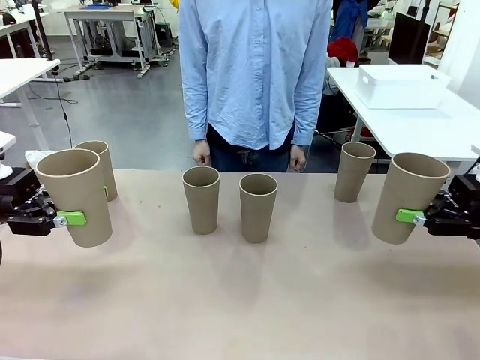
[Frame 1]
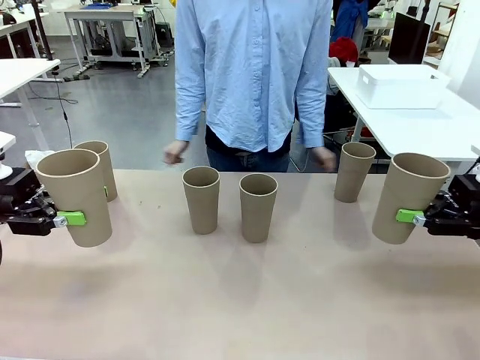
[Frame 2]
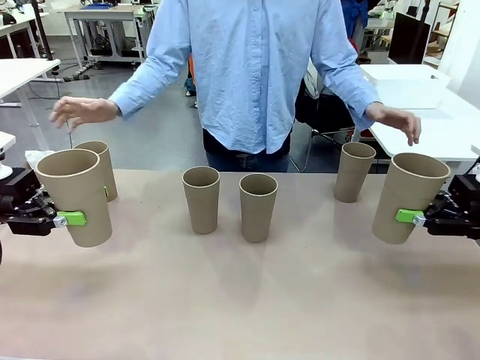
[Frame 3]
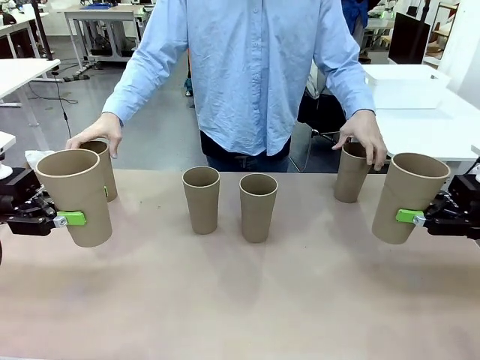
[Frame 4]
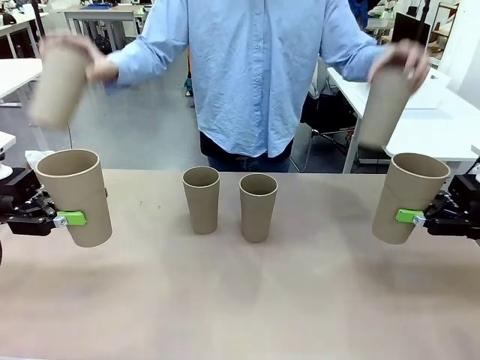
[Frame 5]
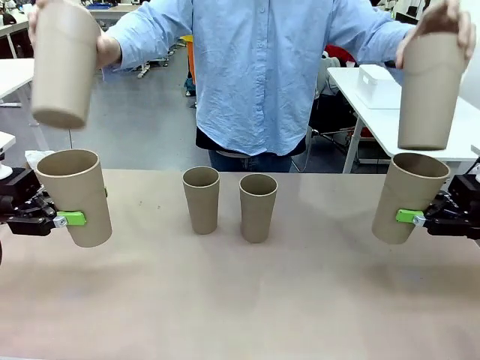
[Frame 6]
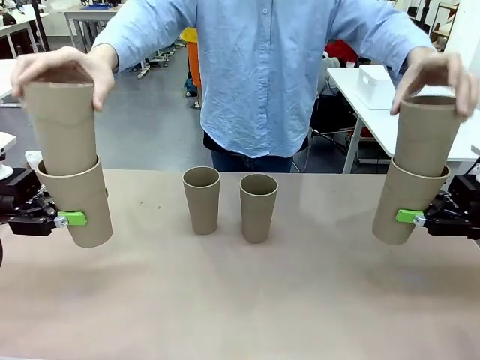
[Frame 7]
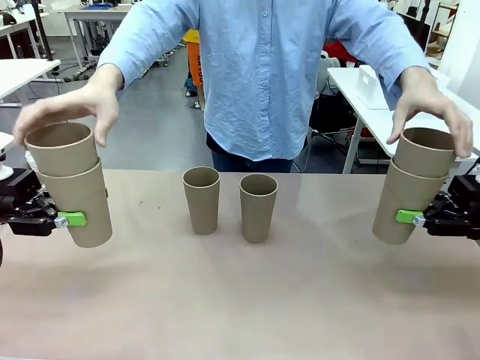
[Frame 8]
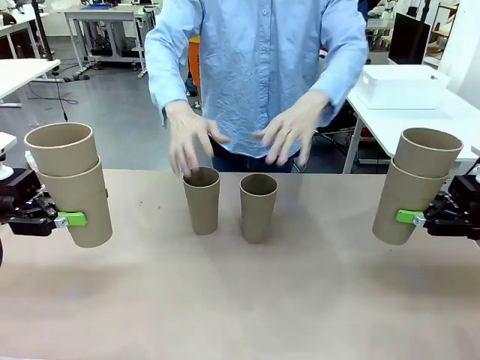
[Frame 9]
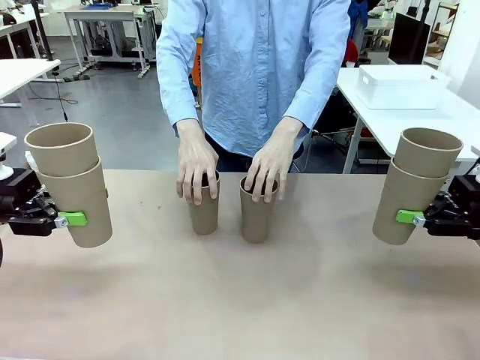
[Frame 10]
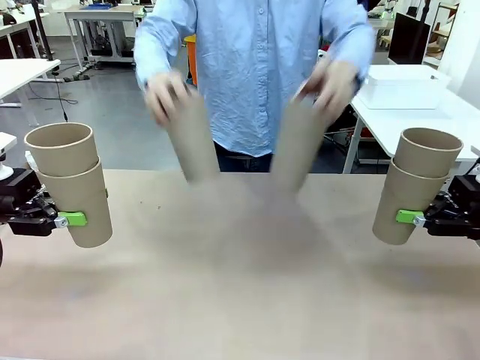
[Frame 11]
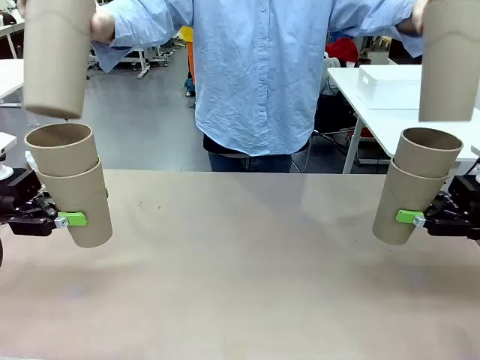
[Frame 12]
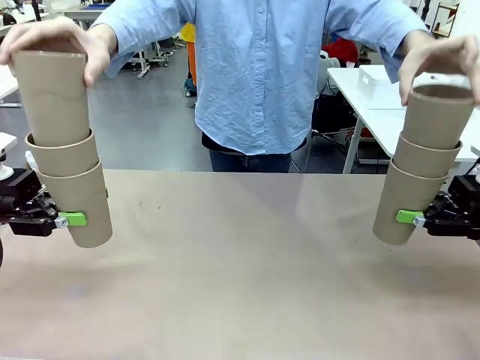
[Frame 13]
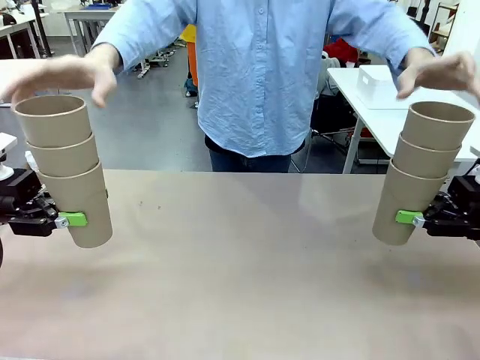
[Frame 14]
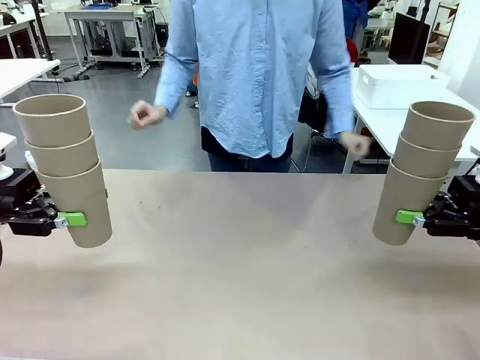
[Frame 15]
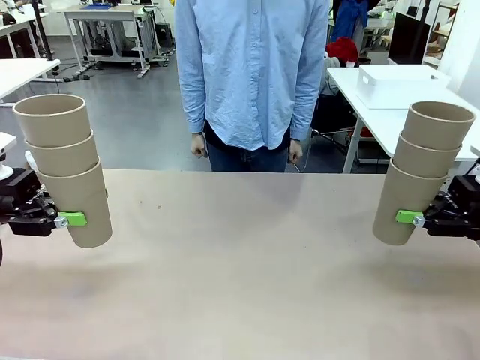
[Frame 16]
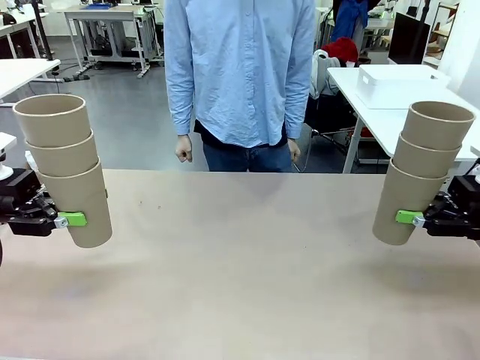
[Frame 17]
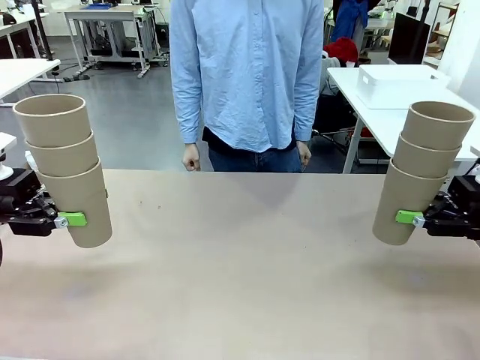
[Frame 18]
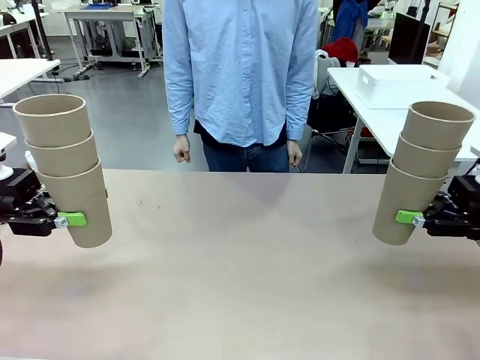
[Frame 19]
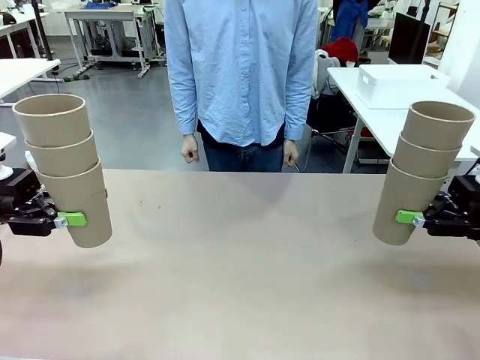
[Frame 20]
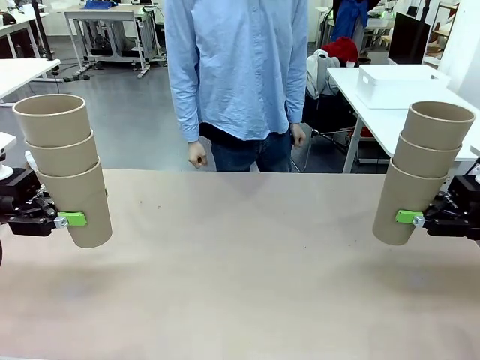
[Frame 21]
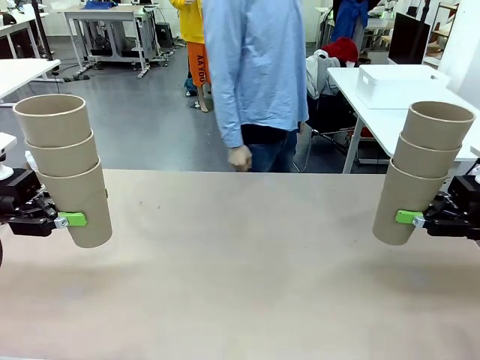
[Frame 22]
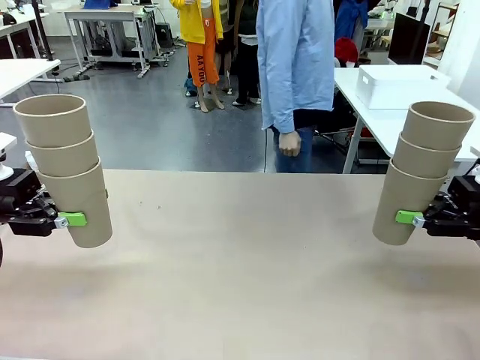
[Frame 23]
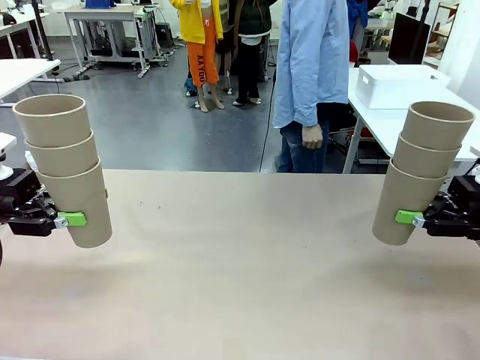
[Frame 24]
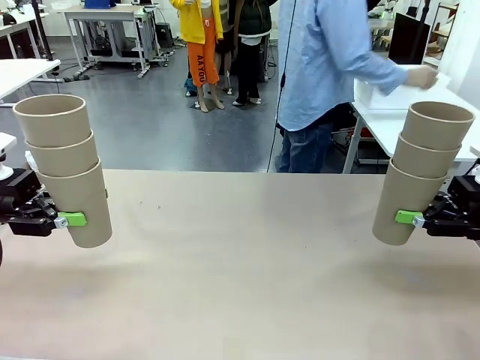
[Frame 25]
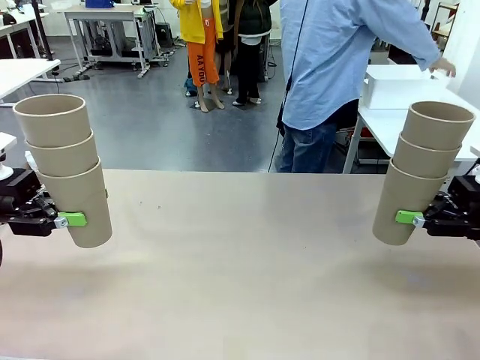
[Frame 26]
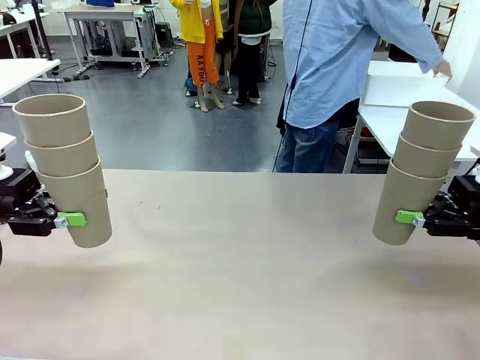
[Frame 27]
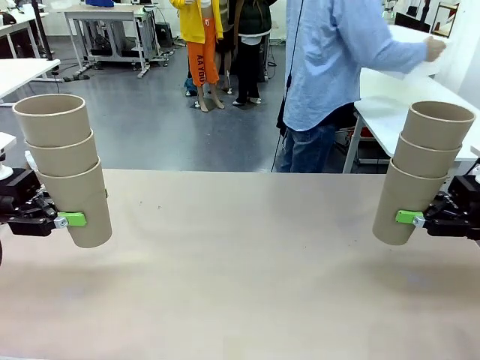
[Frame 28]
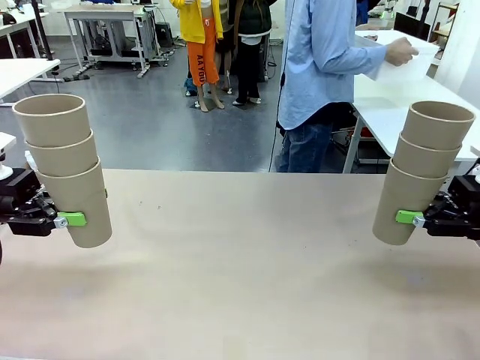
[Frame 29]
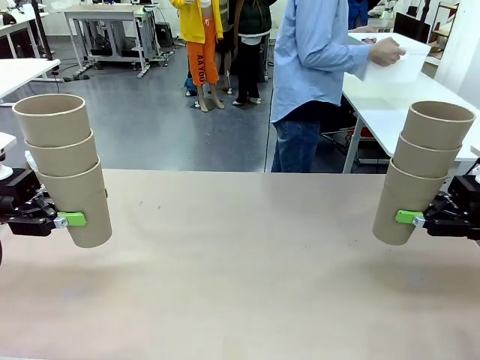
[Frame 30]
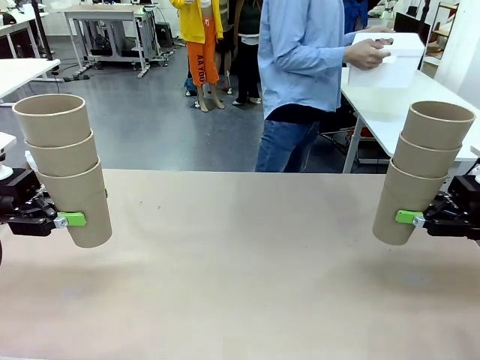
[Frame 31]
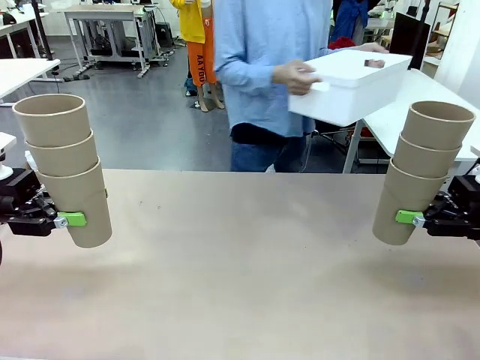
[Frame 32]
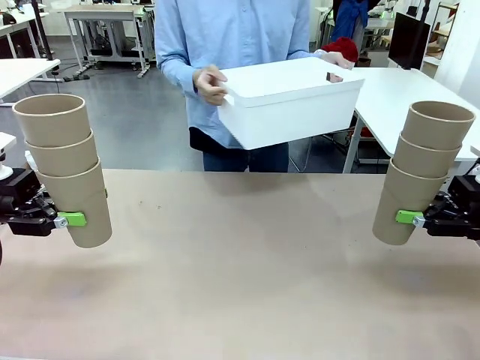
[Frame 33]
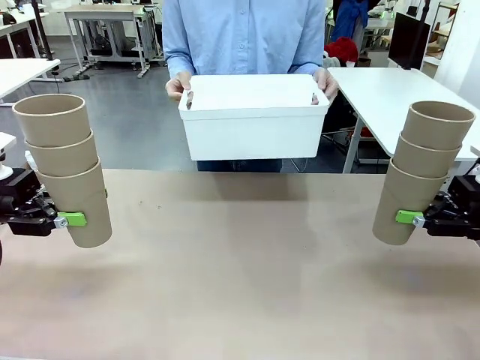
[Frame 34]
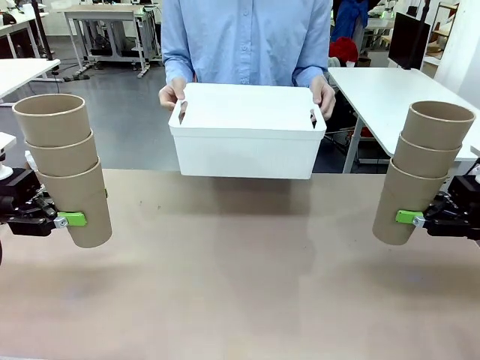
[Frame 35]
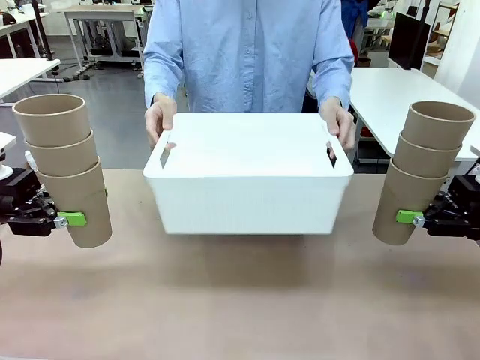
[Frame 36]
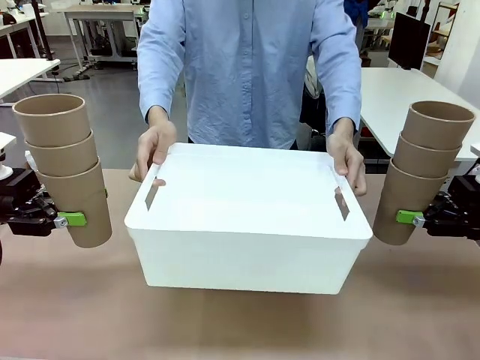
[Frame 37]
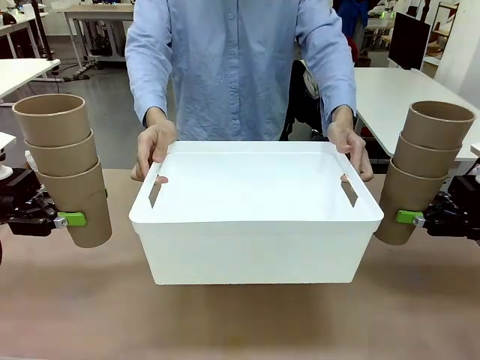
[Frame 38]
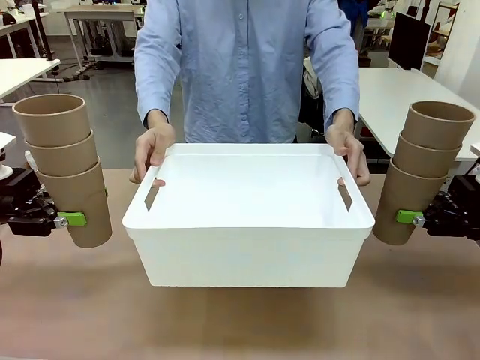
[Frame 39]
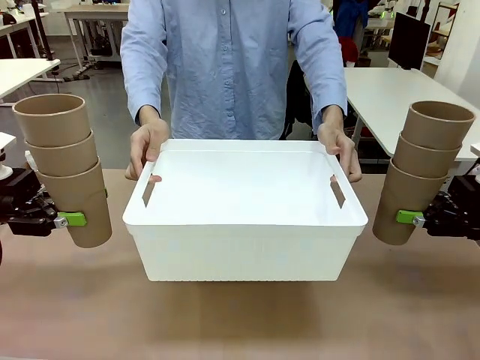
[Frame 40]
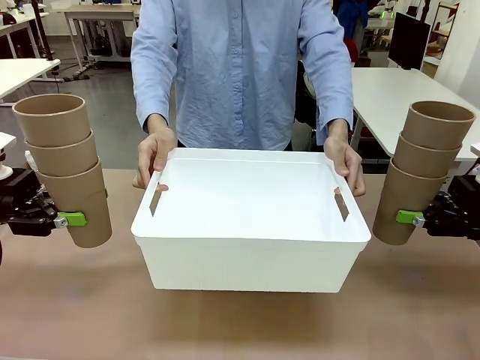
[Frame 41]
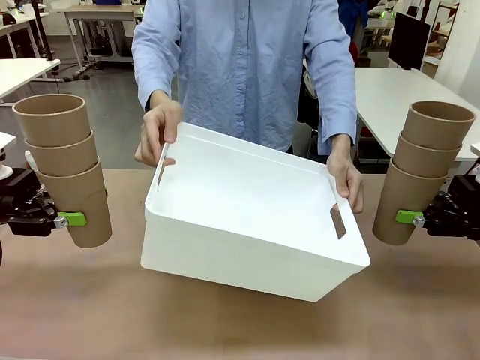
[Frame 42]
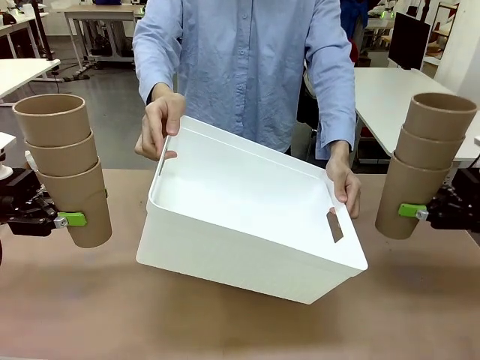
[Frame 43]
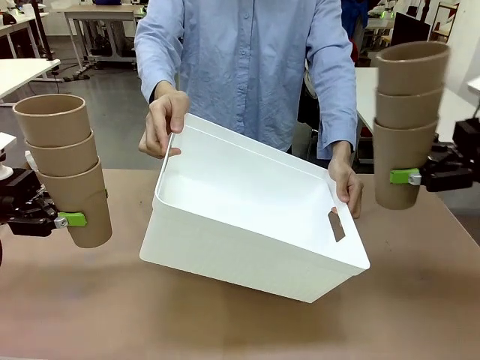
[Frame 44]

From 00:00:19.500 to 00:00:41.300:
Task: Stack the cups and store them in the basket.
Robot: Place the stack of Reusable plastic cups into the Pantry Basket.
Person: Pick up the basket from the Human Table, bring it to the front of the robot, and present it.

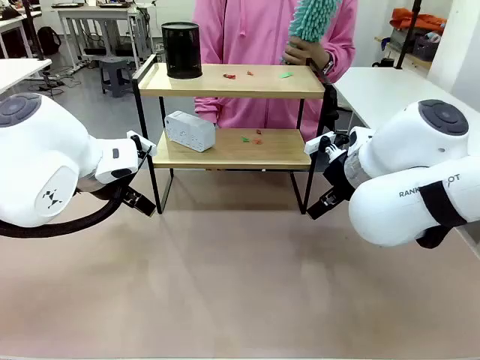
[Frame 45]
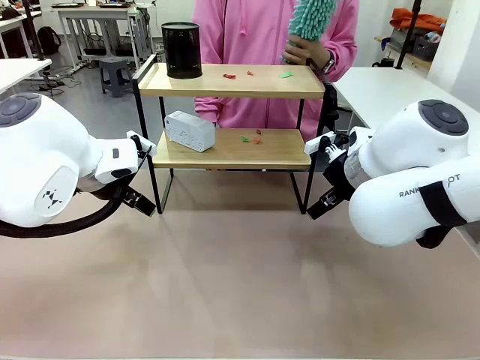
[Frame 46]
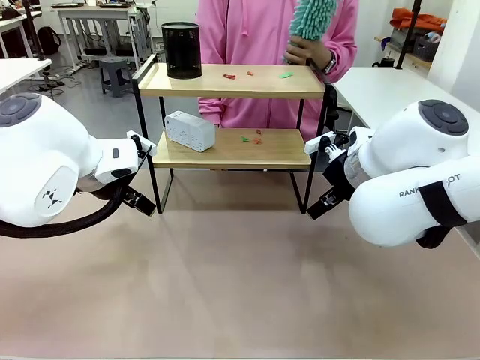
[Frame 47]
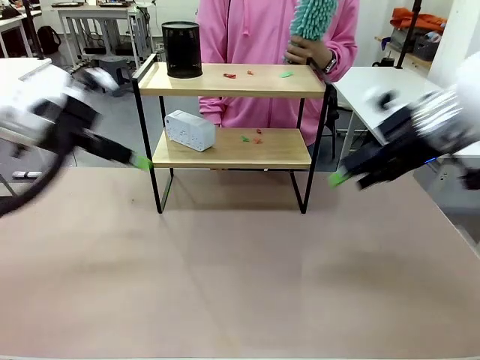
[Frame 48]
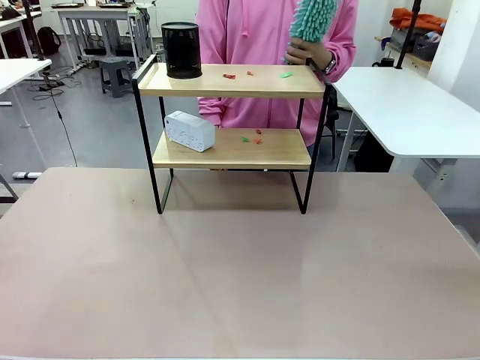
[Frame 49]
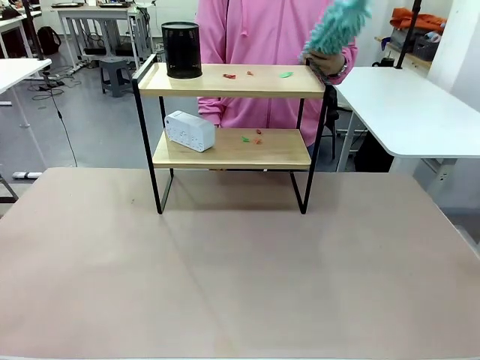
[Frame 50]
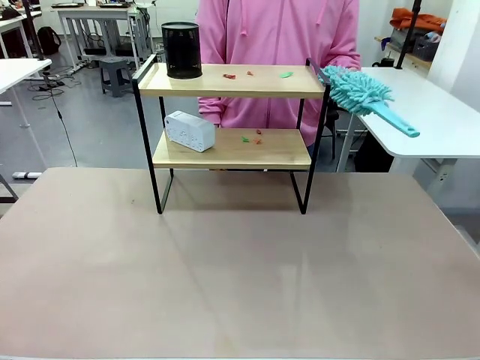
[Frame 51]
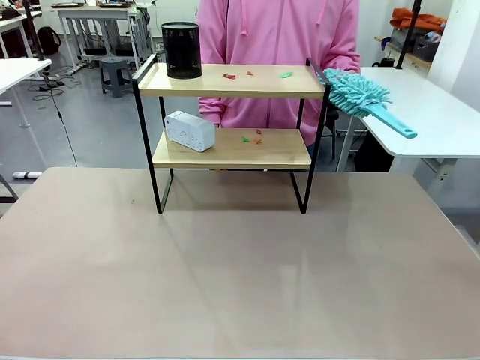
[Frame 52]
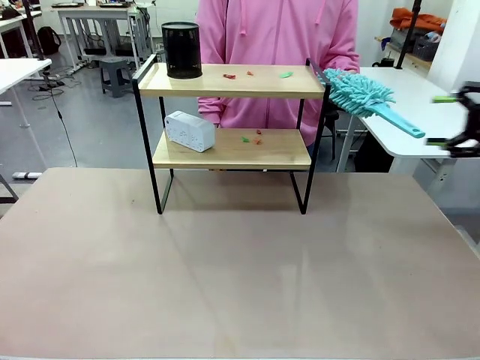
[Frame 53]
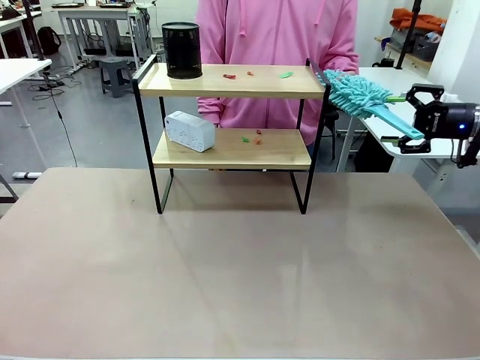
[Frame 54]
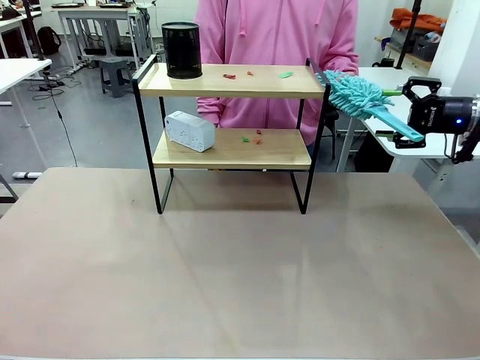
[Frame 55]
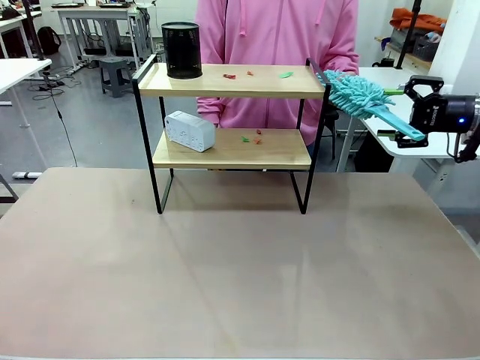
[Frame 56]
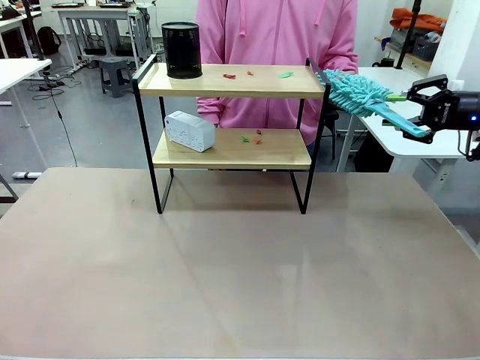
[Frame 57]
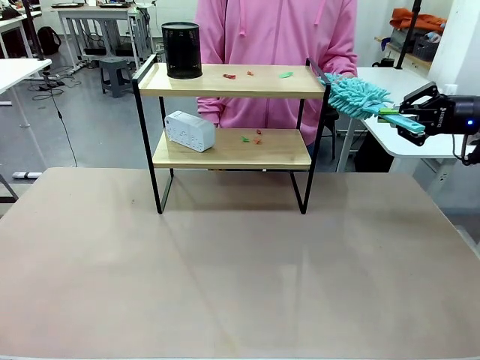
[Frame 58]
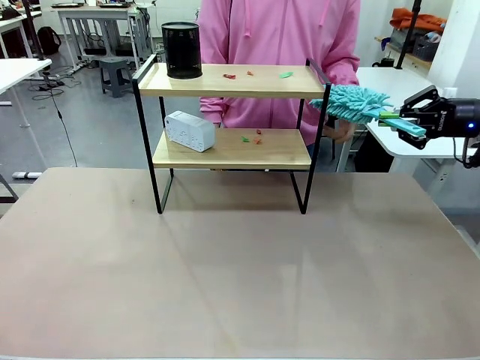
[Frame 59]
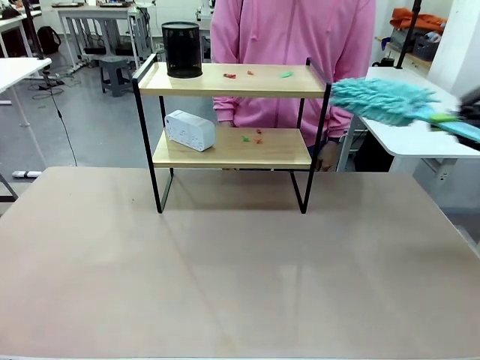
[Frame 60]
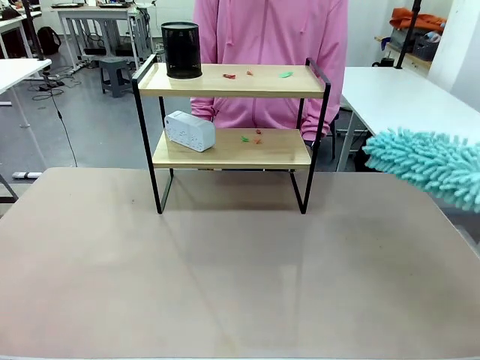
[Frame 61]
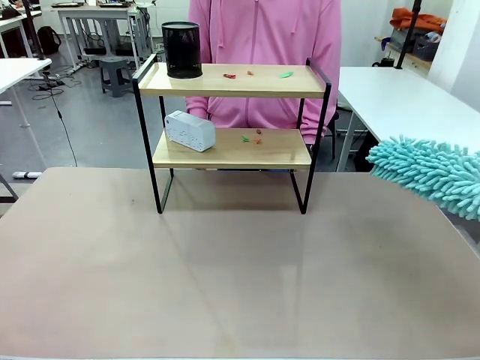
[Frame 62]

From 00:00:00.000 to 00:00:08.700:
Task: Clean the shelf.
Robot: Pick up the Duster from the human.
Person: Hand the Duster to the robot.
